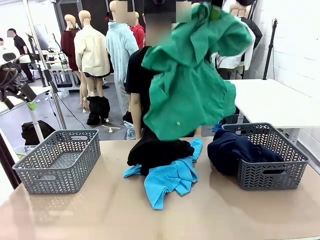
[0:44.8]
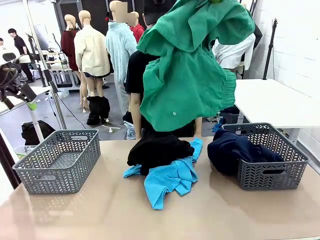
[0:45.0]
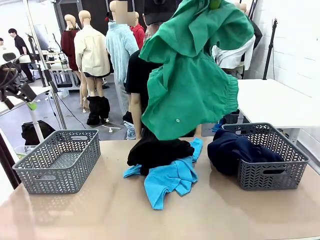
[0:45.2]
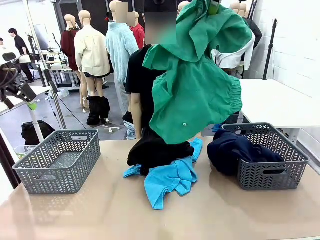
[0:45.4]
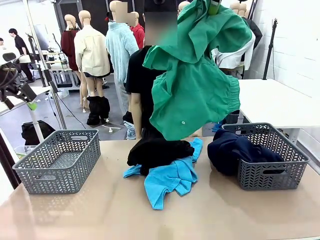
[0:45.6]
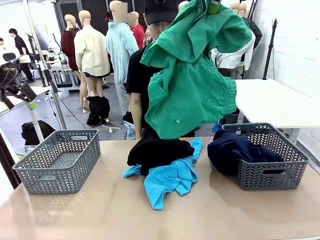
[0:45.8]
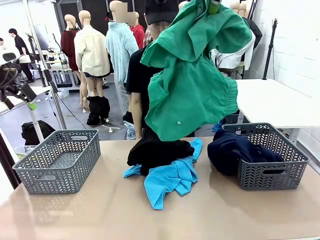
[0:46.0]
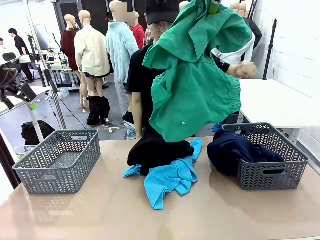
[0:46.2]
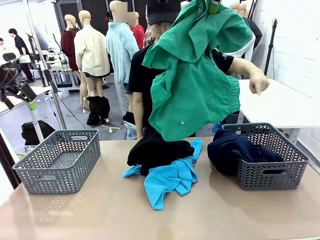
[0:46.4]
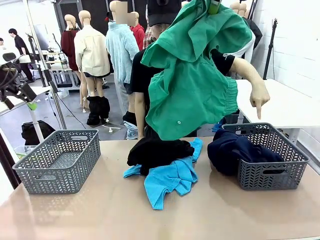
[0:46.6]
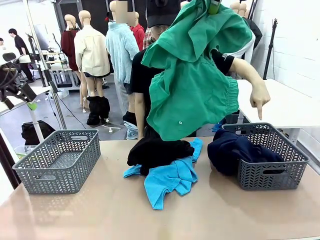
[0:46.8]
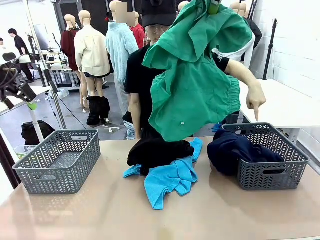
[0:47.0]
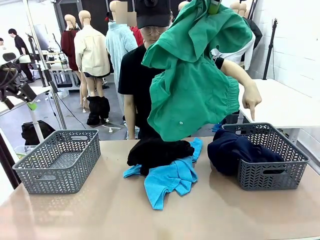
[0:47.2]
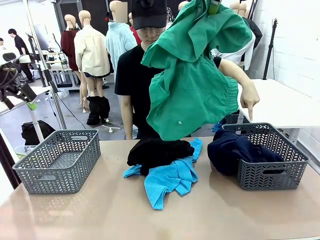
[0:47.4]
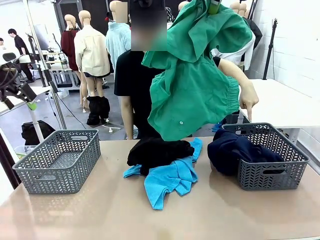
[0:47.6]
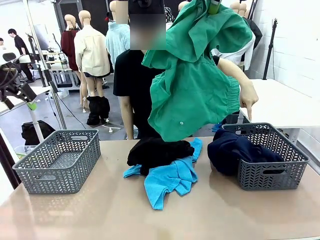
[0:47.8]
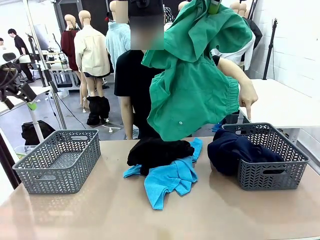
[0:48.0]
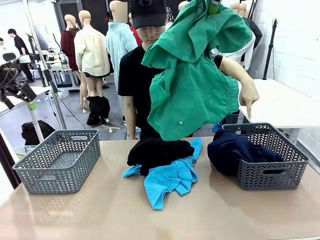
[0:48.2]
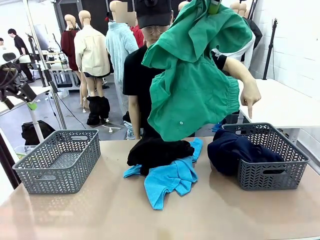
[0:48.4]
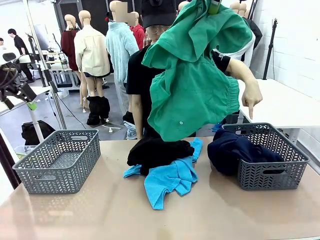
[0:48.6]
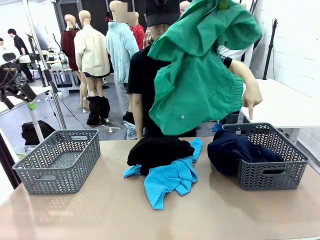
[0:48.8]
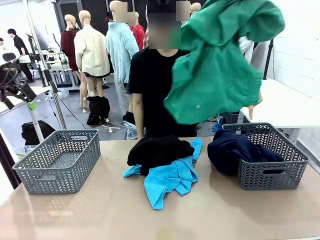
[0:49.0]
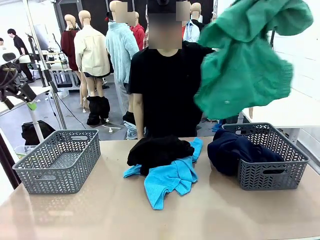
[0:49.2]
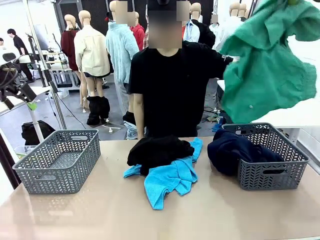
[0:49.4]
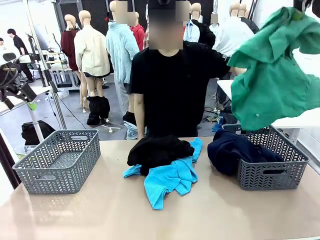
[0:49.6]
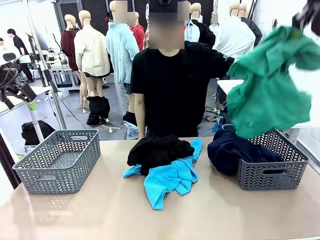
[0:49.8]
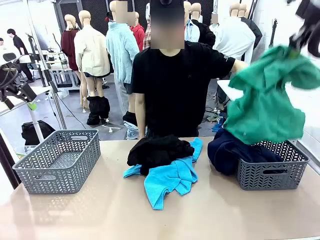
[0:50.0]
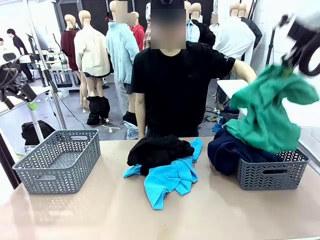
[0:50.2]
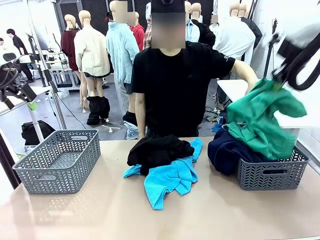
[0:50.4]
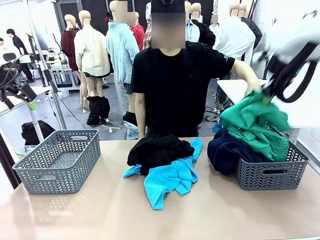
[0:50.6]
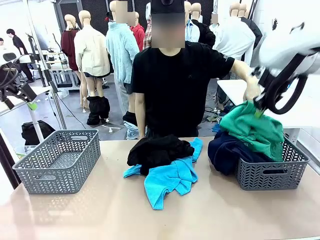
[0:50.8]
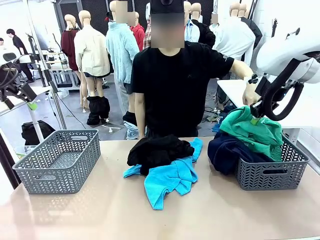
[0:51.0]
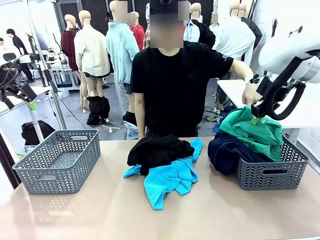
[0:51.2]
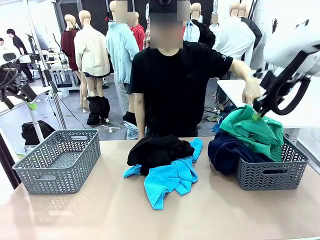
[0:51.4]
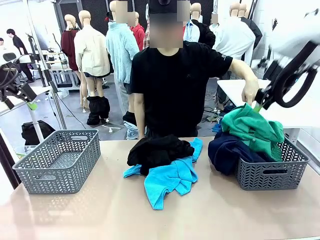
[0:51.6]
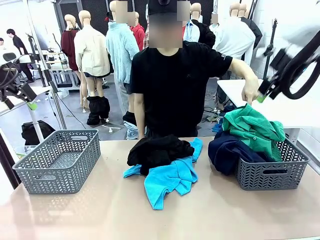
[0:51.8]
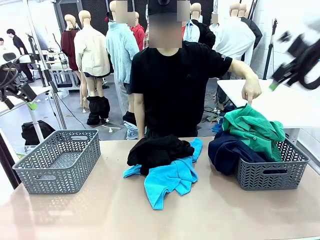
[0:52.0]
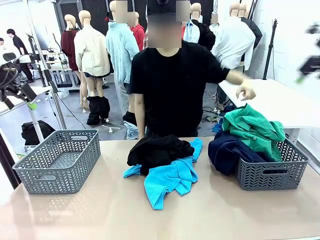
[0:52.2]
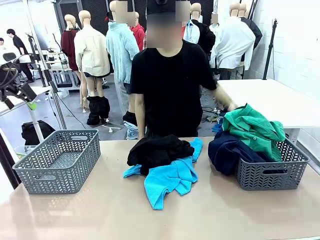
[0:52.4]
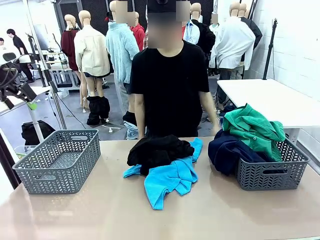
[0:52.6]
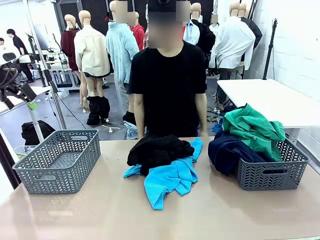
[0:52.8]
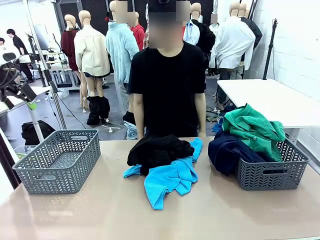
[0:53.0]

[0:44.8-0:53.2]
Task: Sort the tops and bottoms.
Robot: Sort the clothes according to human instructions.

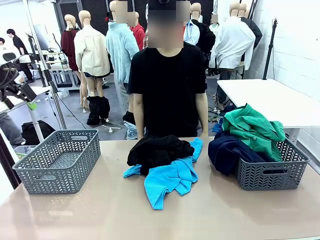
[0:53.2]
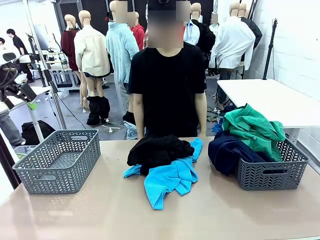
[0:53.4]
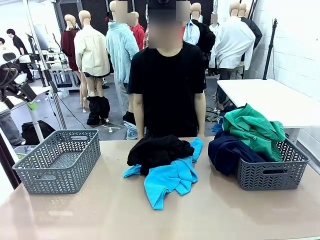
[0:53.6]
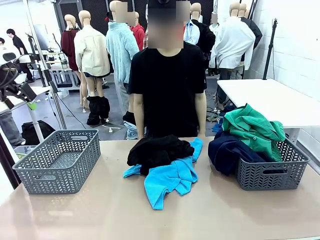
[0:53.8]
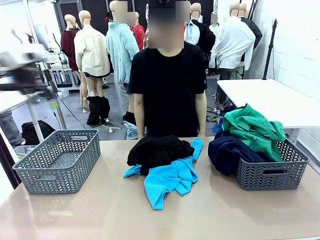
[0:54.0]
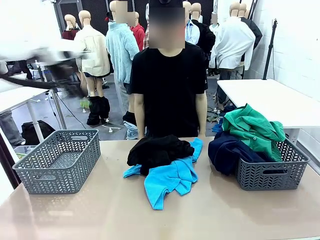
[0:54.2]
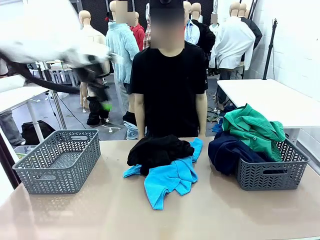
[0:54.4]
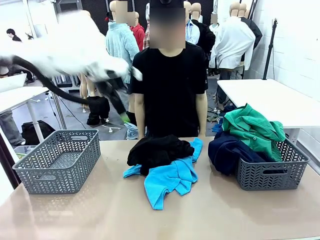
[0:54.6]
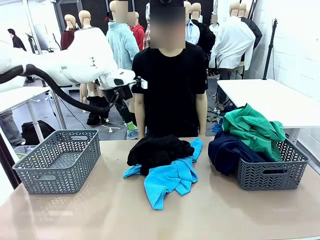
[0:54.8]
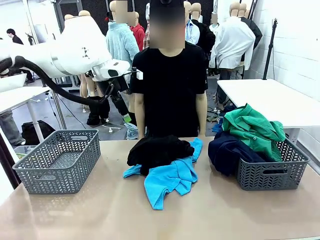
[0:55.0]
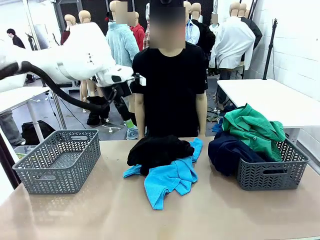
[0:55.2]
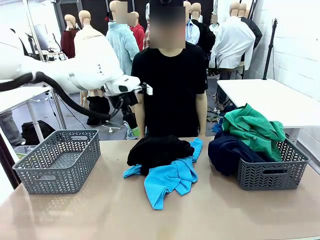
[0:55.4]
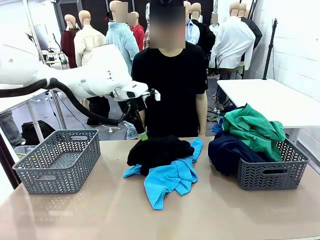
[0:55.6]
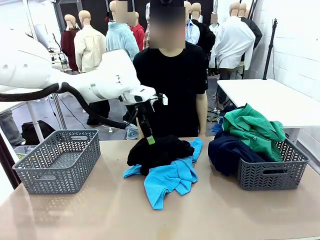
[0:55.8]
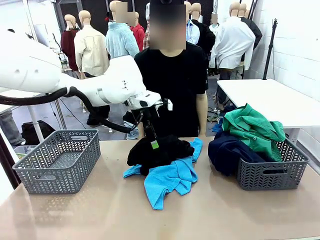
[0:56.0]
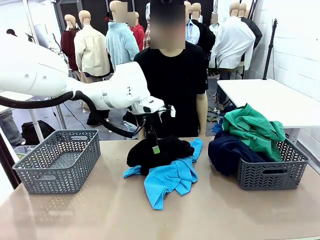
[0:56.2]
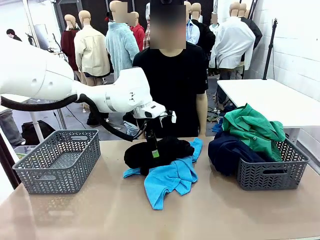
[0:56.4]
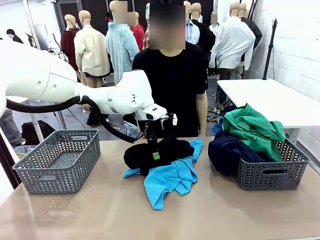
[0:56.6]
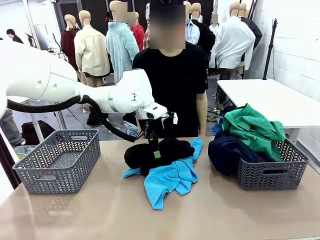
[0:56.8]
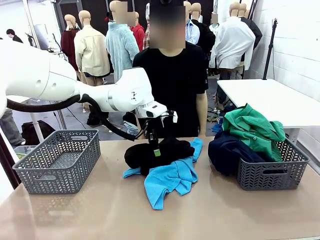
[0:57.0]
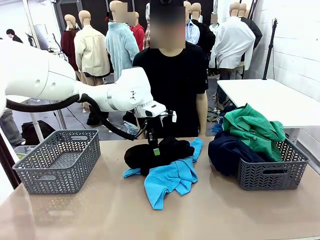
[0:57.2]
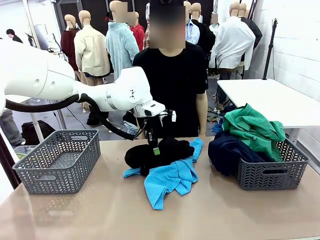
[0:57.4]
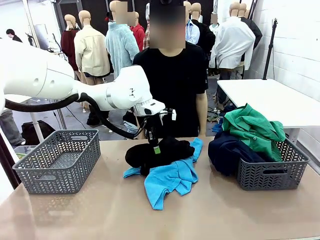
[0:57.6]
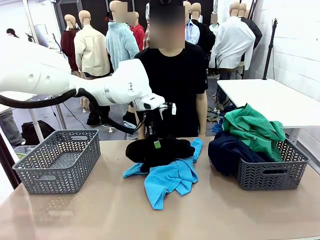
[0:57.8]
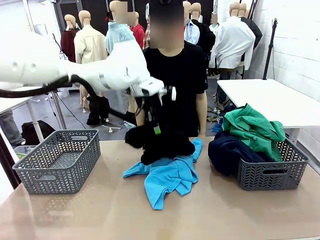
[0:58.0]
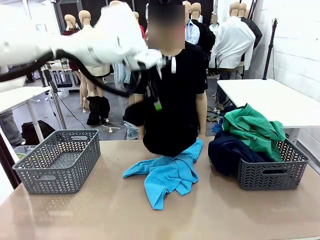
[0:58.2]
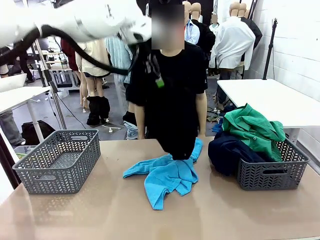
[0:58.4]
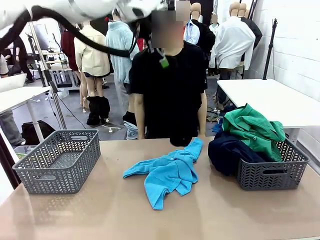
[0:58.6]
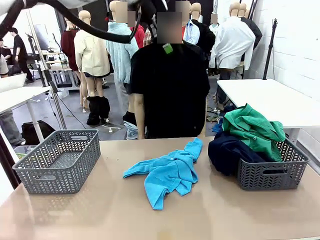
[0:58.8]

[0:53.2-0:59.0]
Robot: Lift clothes from the center of the table with your left hand.

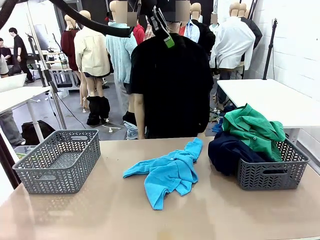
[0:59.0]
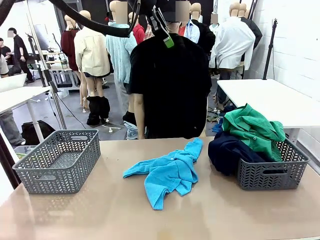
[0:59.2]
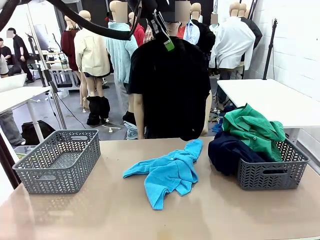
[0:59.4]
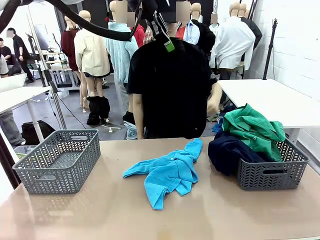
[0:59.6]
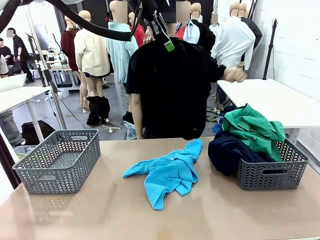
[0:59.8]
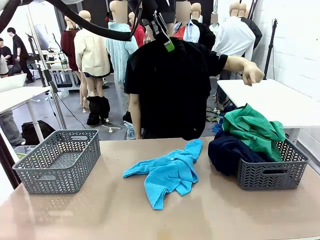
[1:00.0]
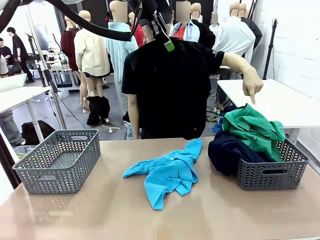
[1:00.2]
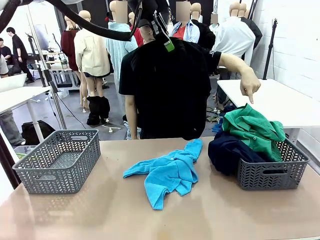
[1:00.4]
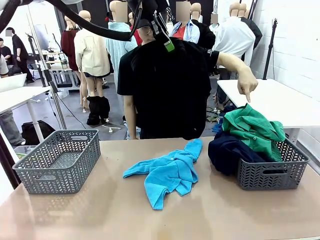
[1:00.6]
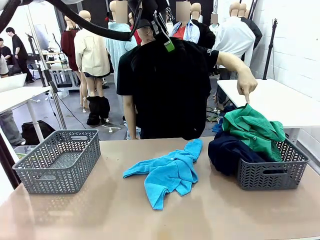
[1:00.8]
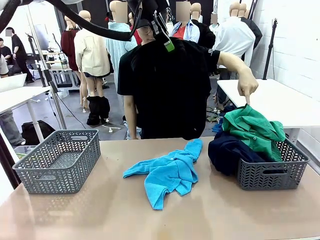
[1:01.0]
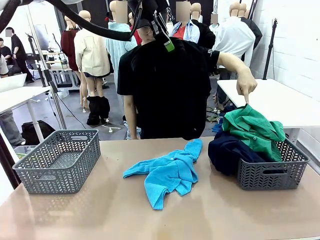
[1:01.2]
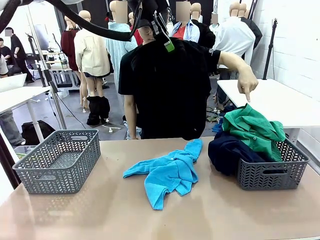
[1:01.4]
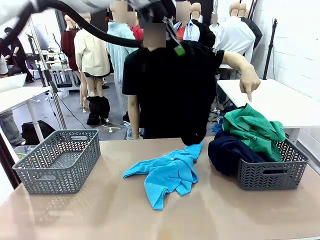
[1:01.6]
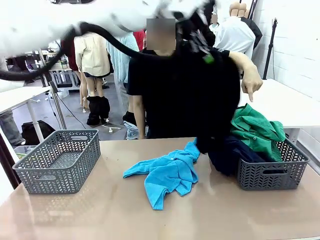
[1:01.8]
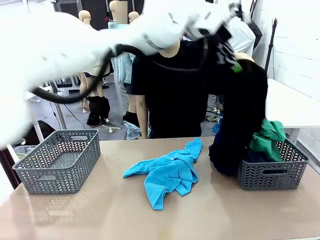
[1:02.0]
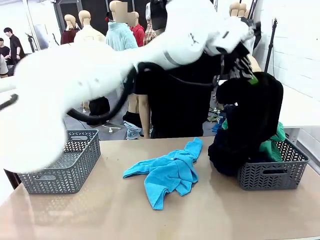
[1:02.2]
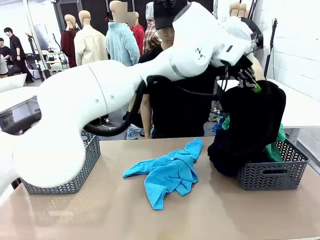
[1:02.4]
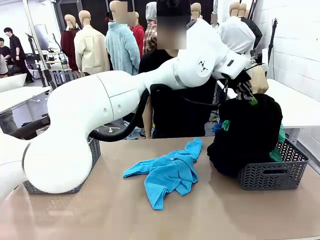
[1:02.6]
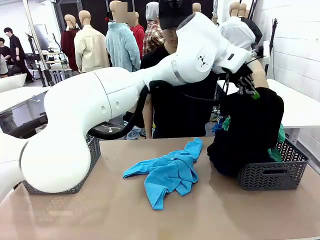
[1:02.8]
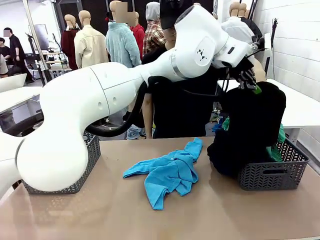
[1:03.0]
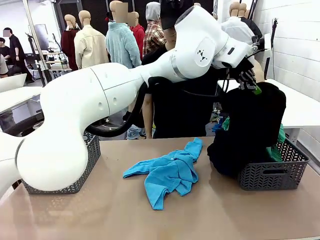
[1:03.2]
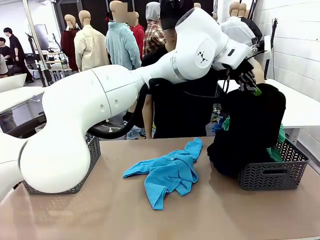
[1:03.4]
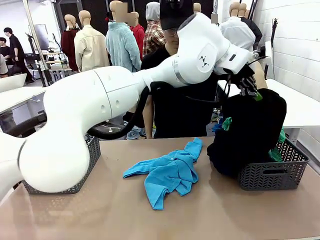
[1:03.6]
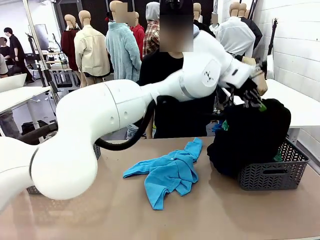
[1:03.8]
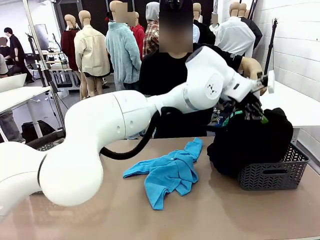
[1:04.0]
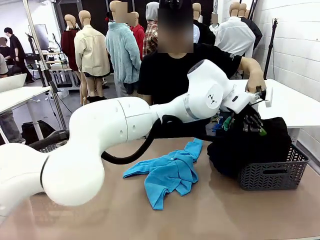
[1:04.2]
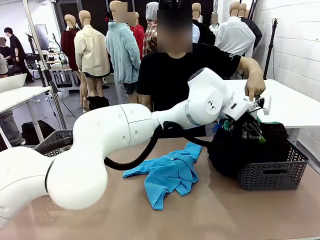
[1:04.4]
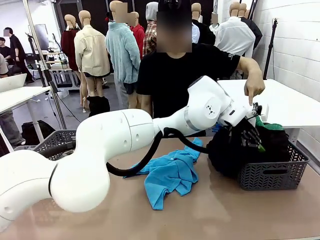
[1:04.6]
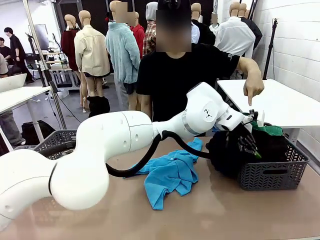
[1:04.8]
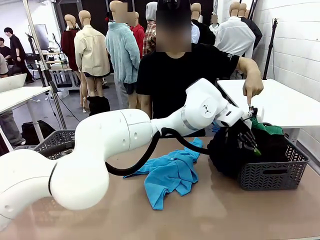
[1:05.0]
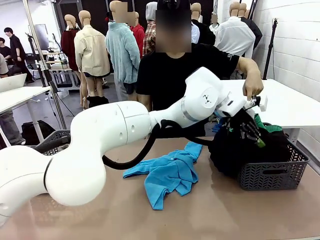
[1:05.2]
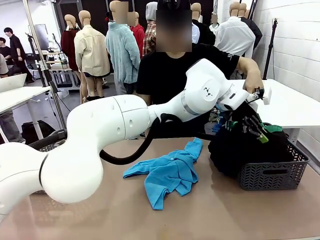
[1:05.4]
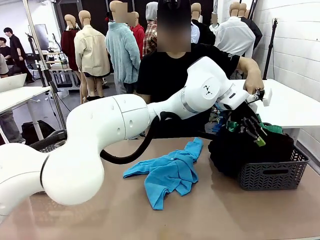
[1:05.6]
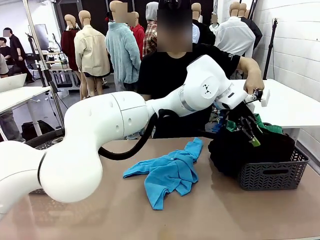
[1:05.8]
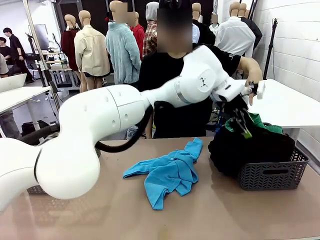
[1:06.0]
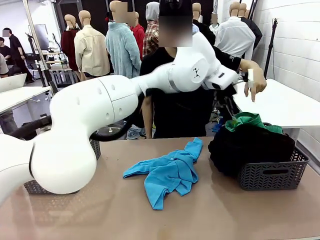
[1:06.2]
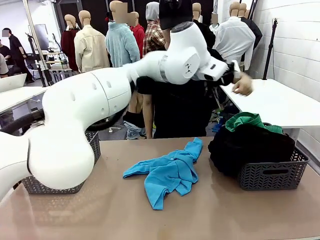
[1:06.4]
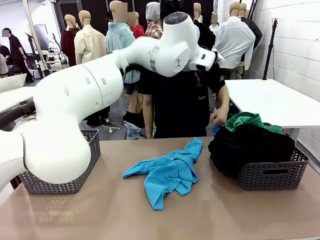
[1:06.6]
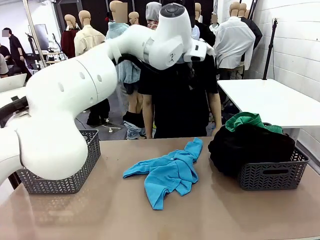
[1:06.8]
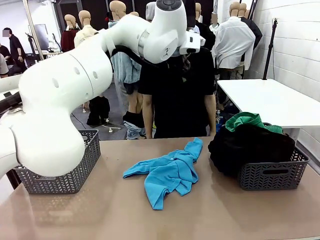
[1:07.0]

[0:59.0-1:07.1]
Robot: Sort the clothes according to human instructions.
